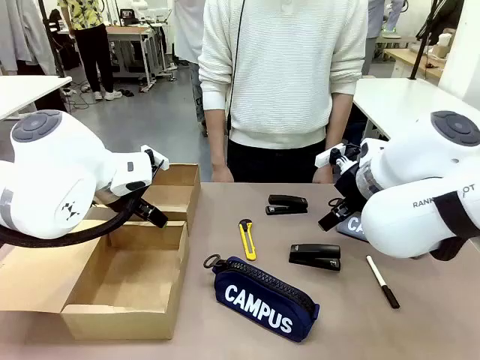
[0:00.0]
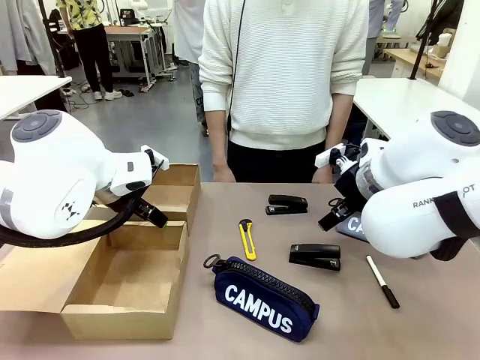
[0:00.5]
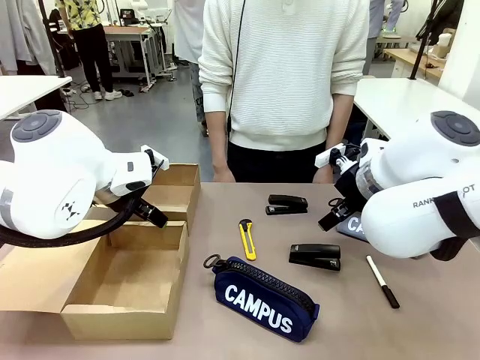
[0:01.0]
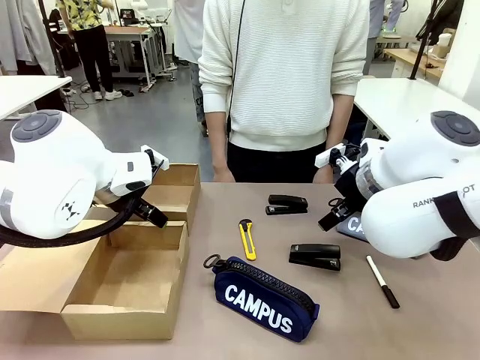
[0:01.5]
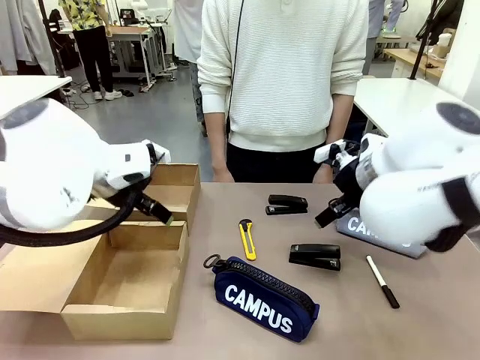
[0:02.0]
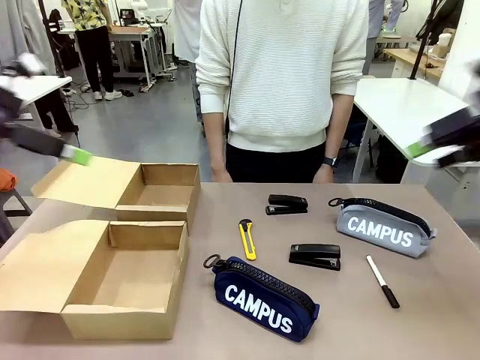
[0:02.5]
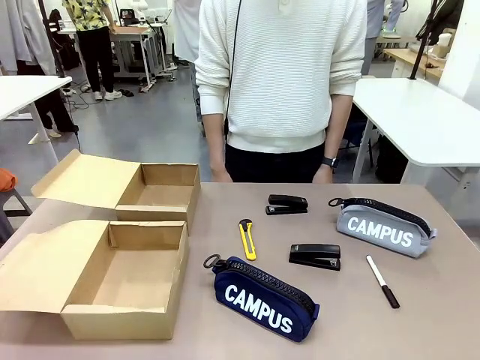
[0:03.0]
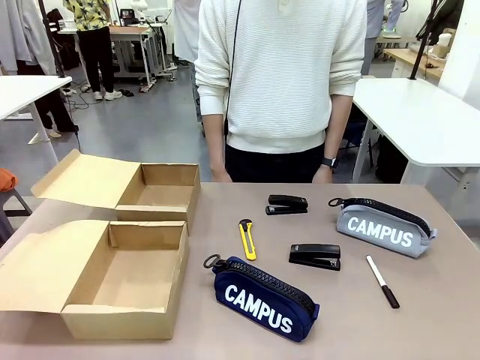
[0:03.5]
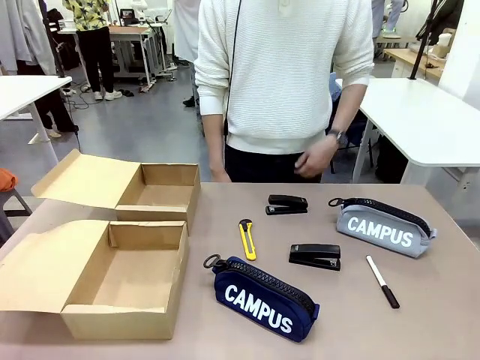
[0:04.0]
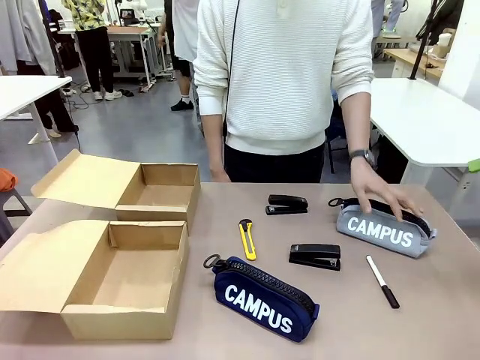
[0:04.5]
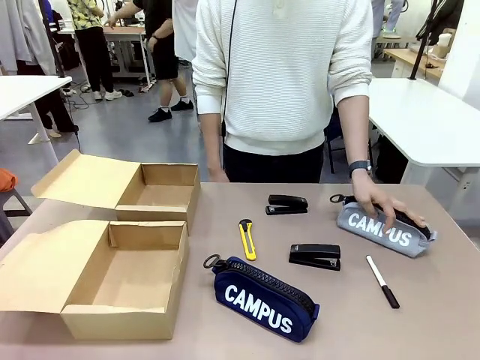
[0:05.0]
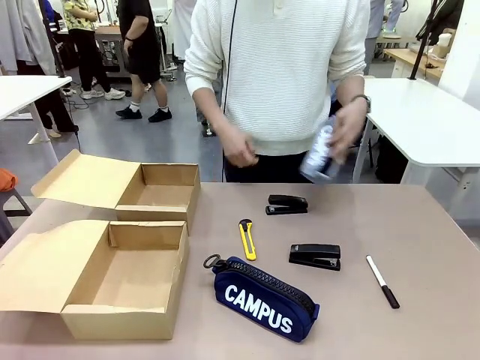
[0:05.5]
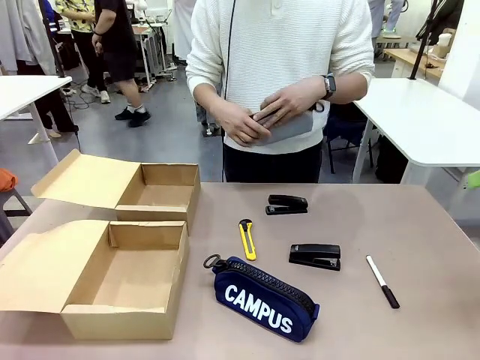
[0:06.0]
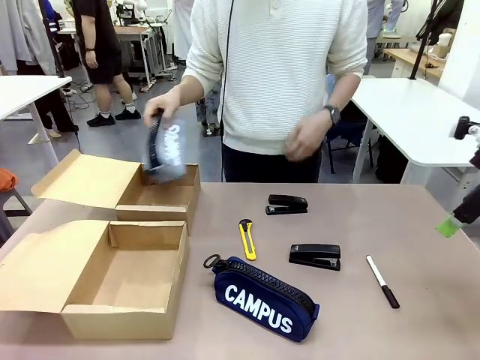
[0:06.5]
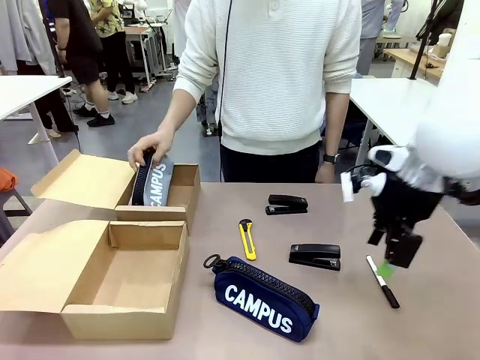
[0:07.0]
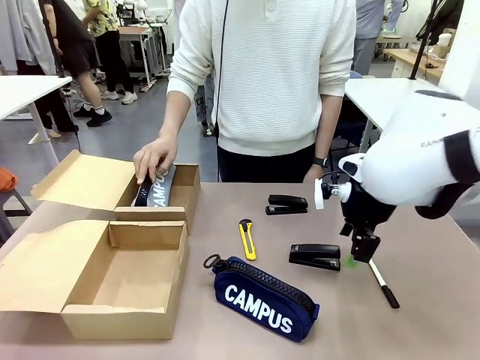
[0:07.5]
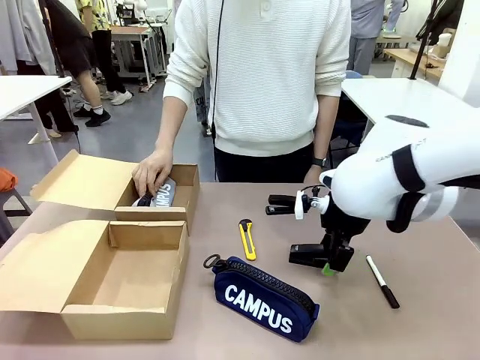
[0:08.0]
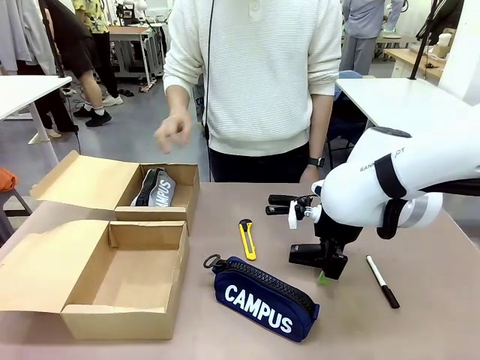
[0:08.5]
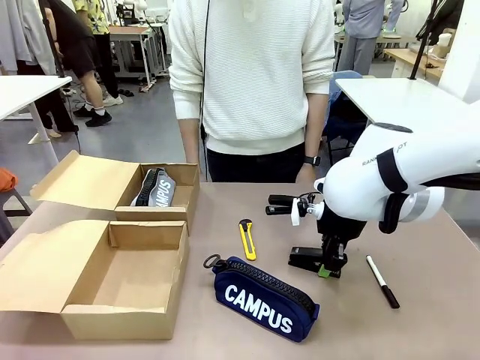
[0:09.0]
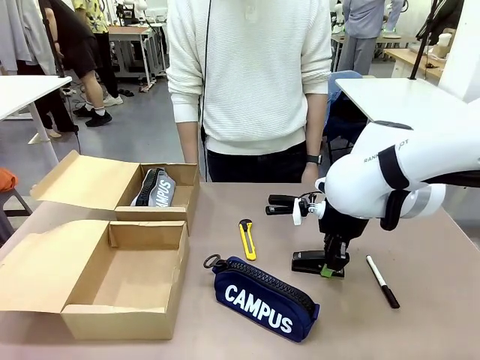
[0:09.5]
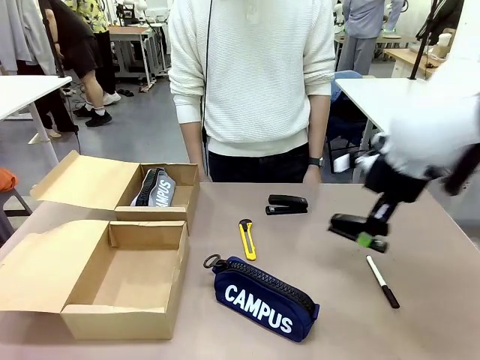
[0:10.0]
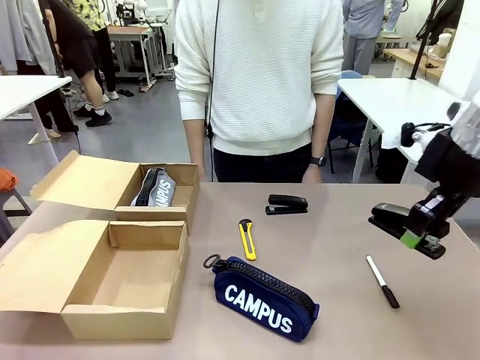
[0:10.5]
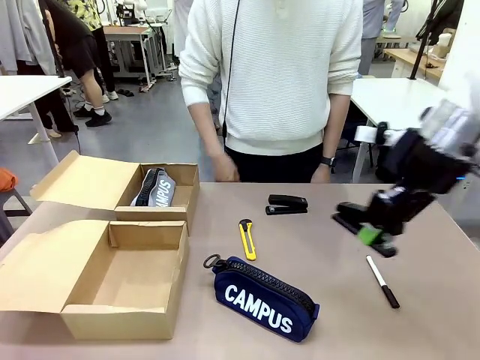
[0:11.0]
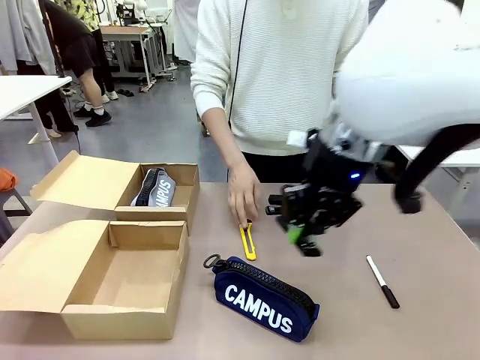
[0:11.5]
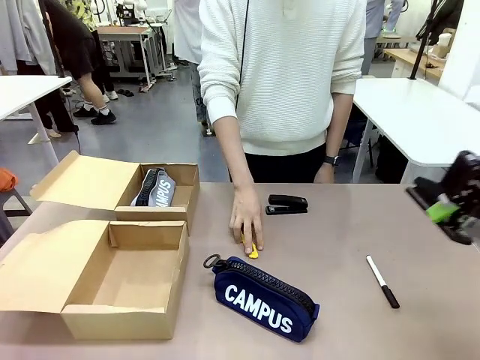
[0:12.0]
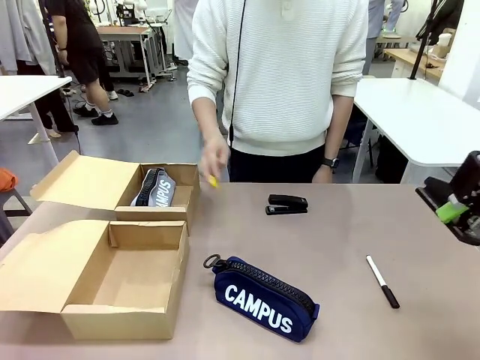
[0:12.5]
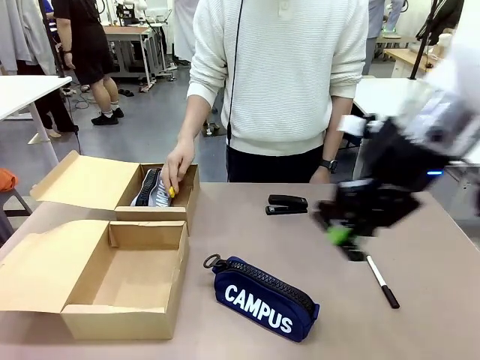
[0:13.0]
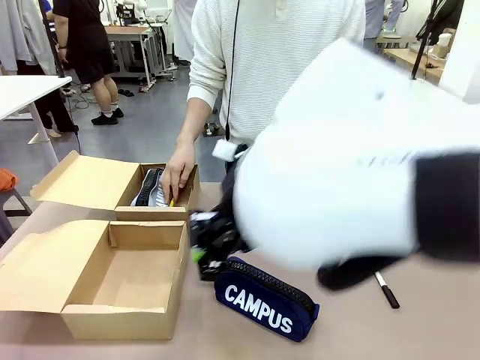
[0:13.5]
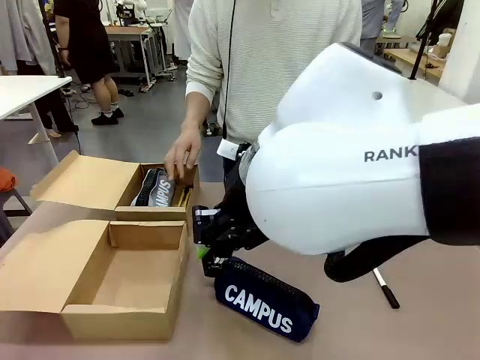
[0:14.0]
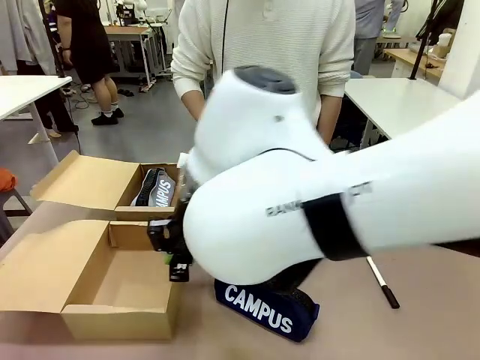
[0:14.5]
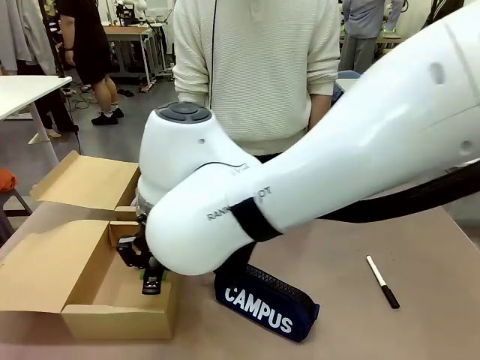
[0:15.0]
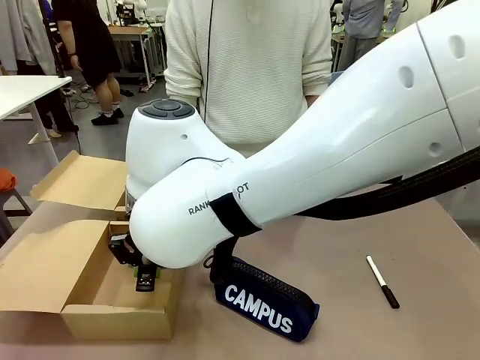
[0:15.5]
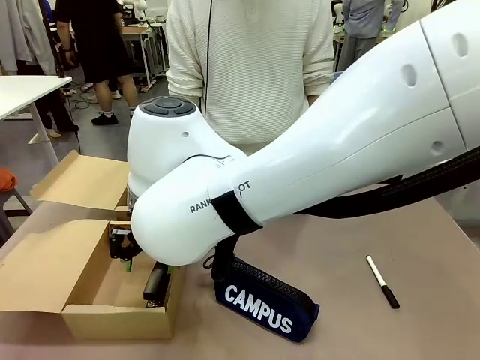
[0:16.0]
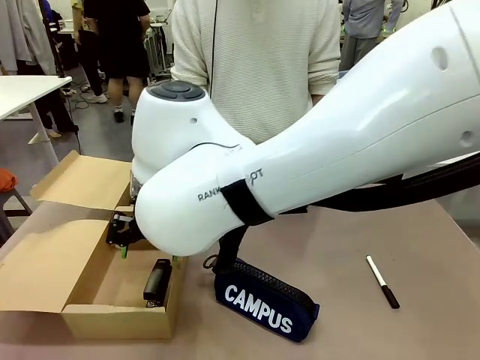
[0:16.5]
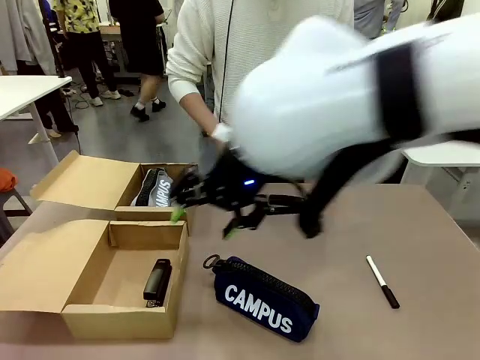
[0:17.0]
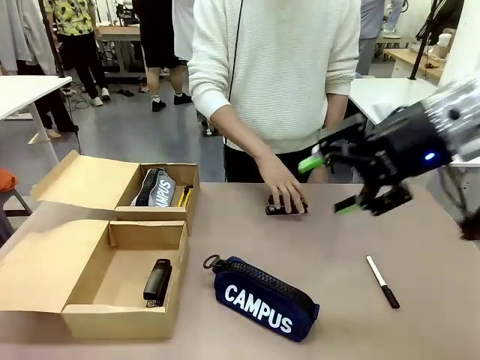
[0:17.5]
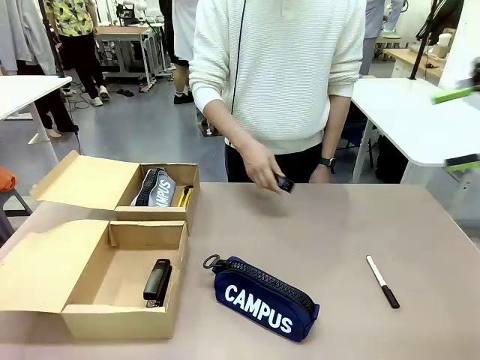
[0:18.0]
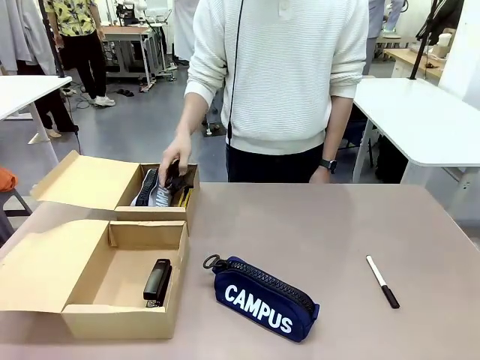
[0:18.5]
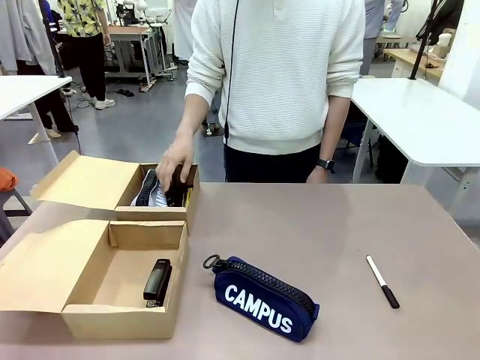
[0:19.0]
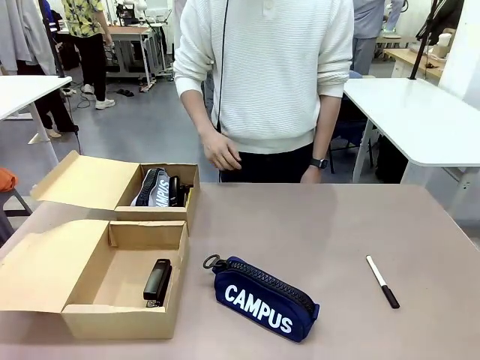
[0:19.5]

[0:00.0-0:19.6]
Task: Place items inside the box.
Robot: Pick up a Pencil pouch or Stapler and place it inside the Mailer Box closest to the robot.
Person: Pick up an object on the table and put it in the box.
